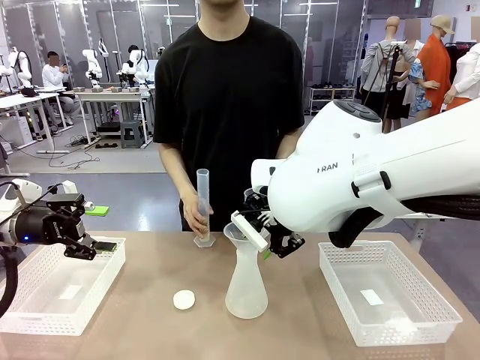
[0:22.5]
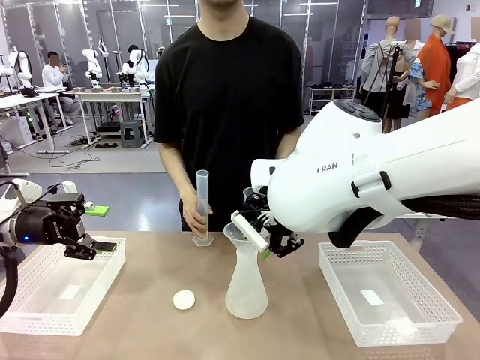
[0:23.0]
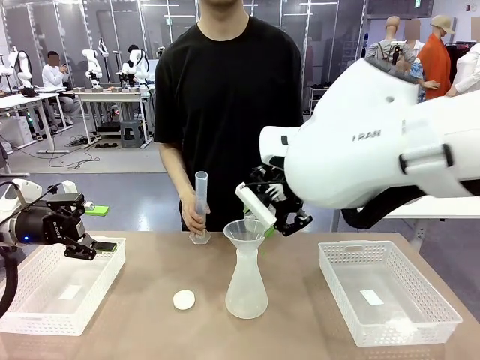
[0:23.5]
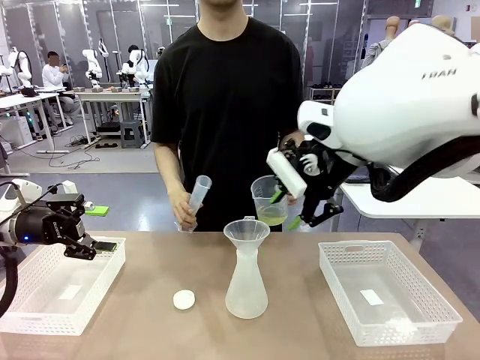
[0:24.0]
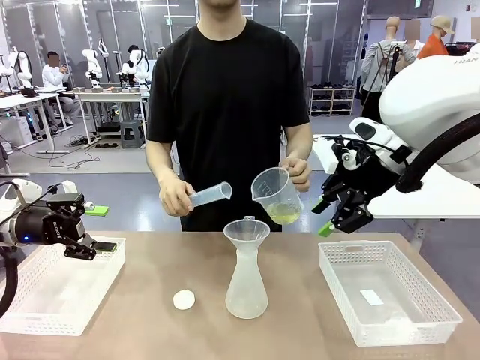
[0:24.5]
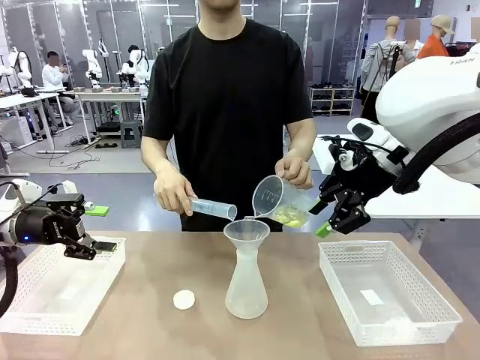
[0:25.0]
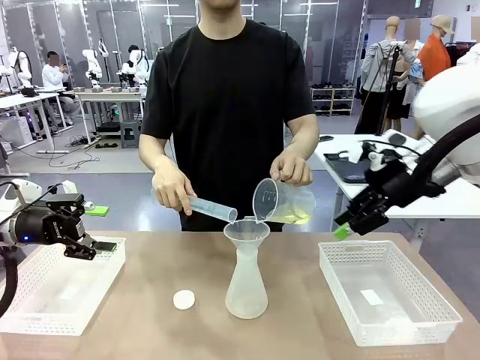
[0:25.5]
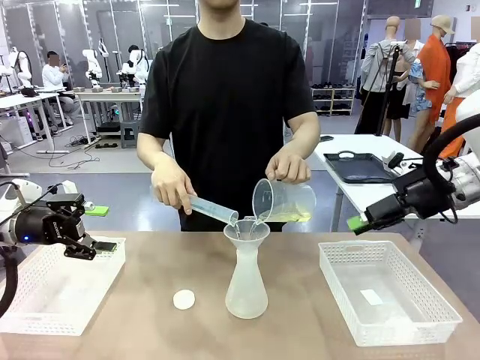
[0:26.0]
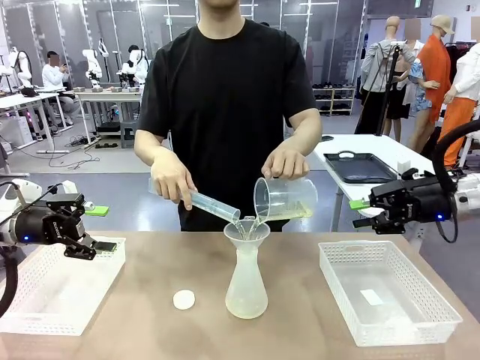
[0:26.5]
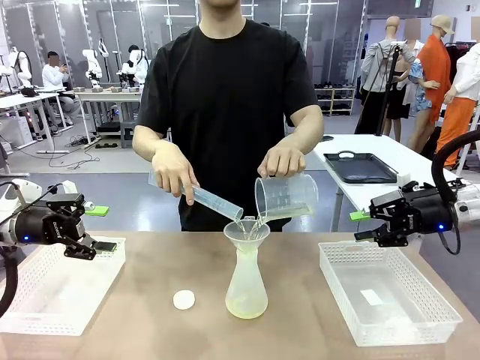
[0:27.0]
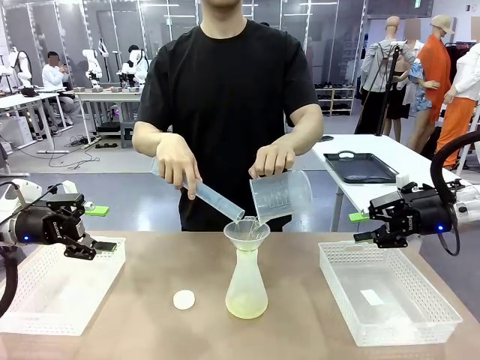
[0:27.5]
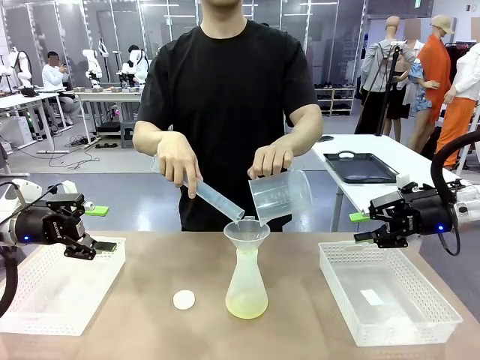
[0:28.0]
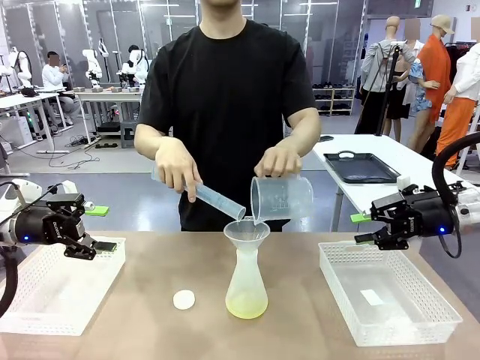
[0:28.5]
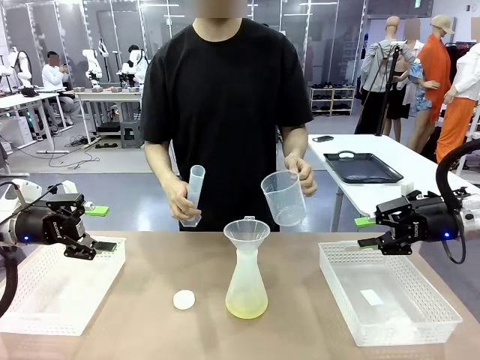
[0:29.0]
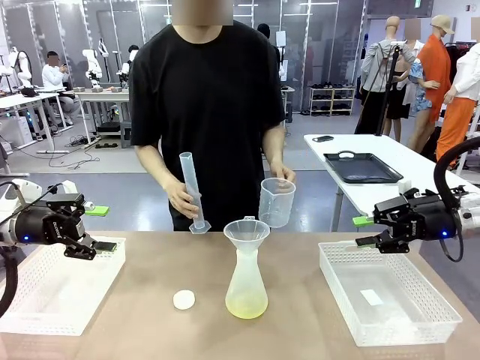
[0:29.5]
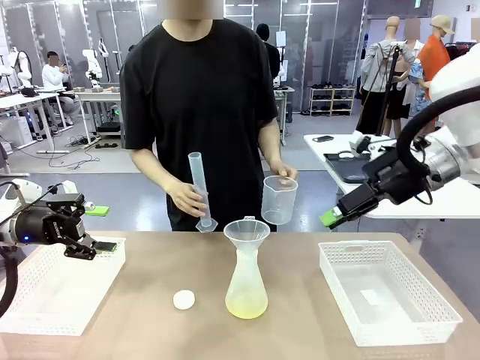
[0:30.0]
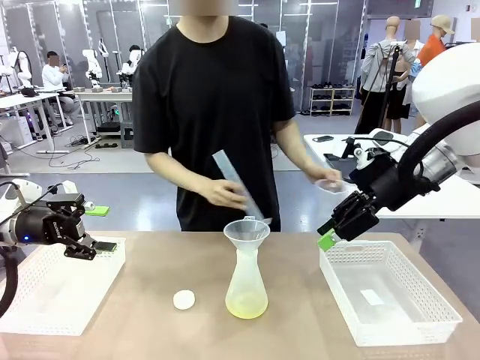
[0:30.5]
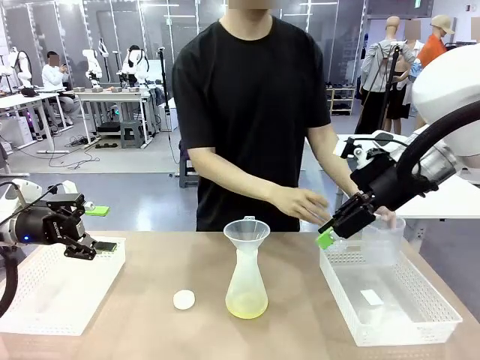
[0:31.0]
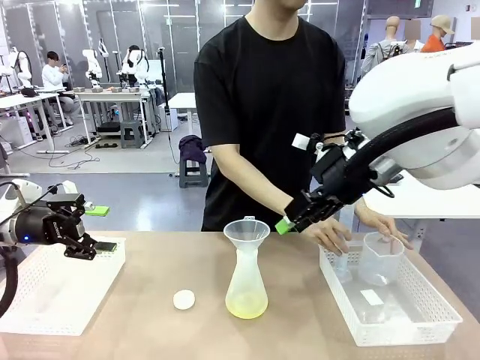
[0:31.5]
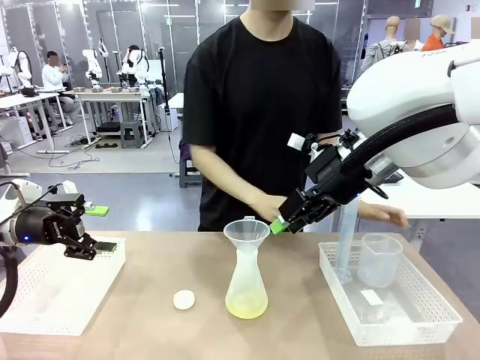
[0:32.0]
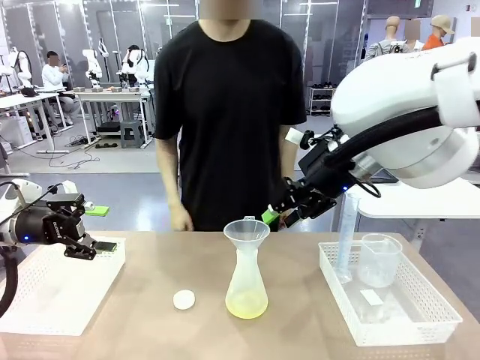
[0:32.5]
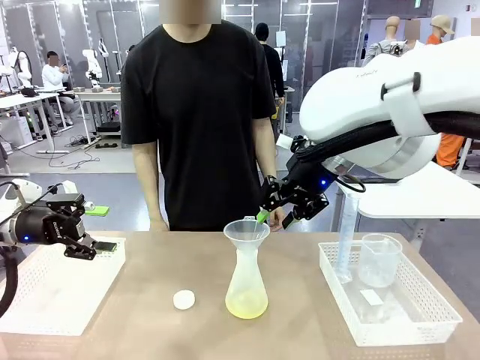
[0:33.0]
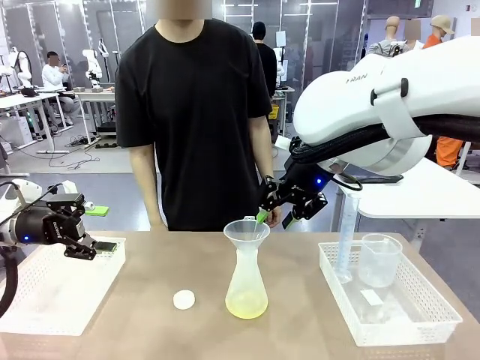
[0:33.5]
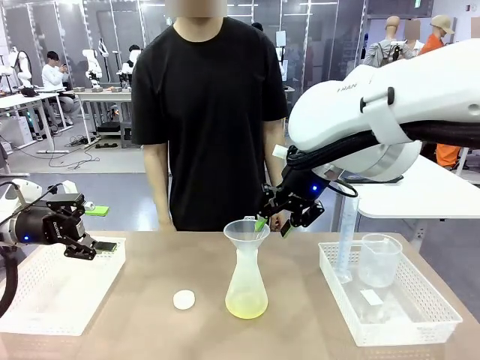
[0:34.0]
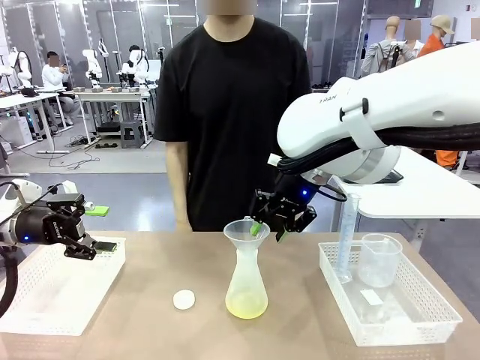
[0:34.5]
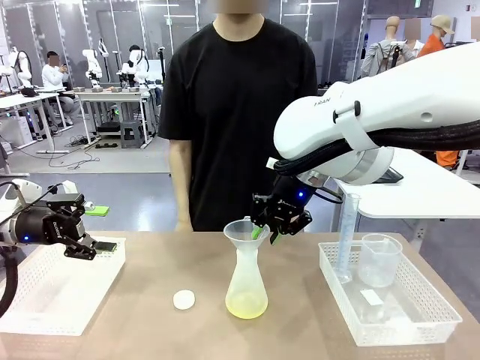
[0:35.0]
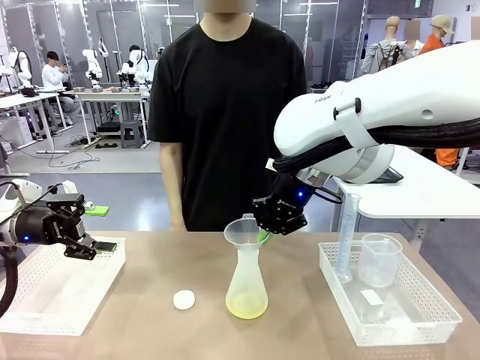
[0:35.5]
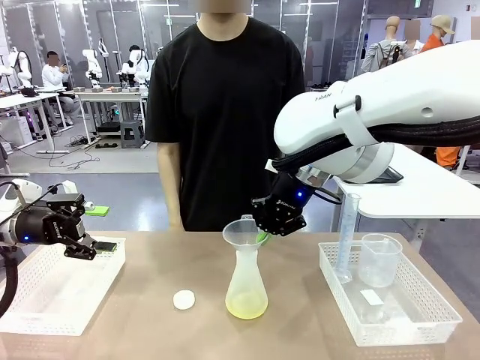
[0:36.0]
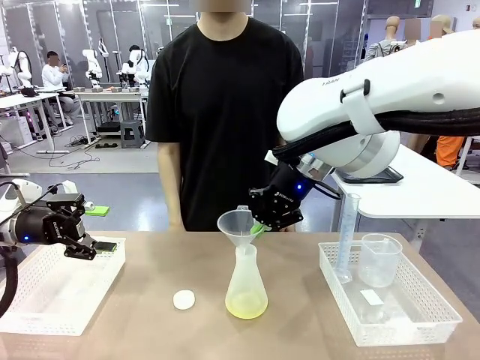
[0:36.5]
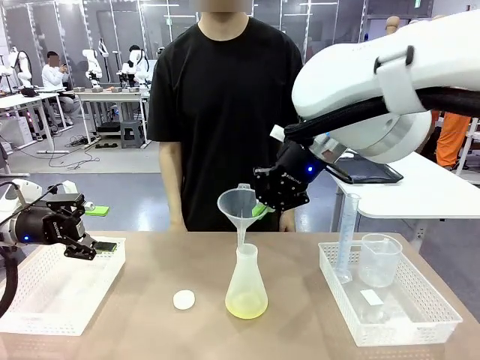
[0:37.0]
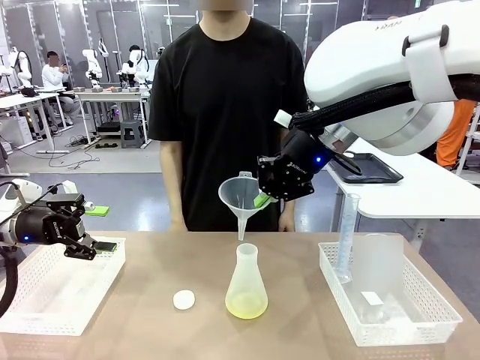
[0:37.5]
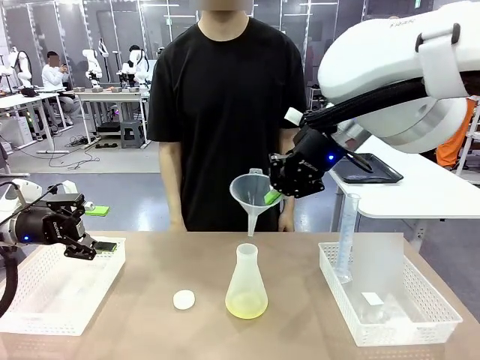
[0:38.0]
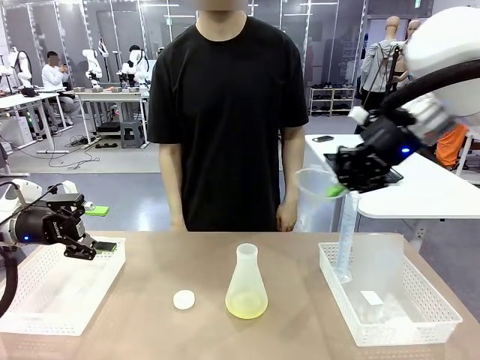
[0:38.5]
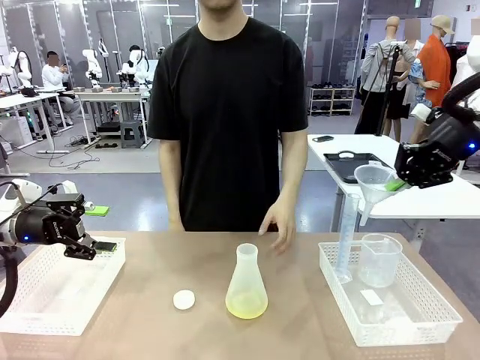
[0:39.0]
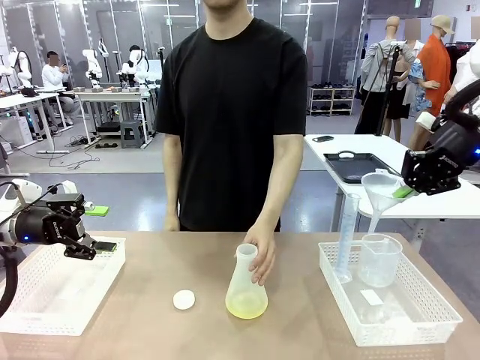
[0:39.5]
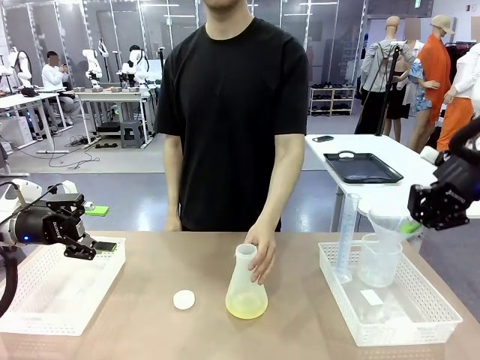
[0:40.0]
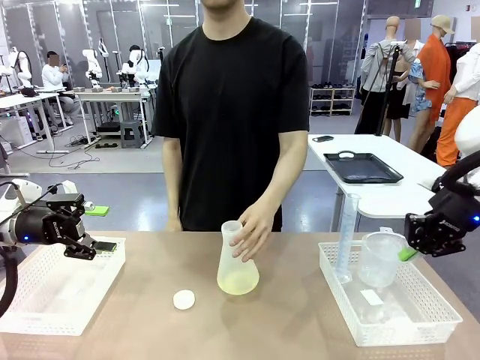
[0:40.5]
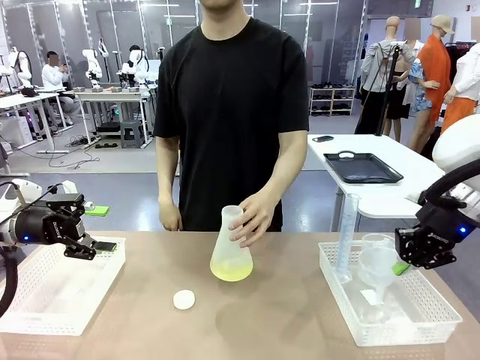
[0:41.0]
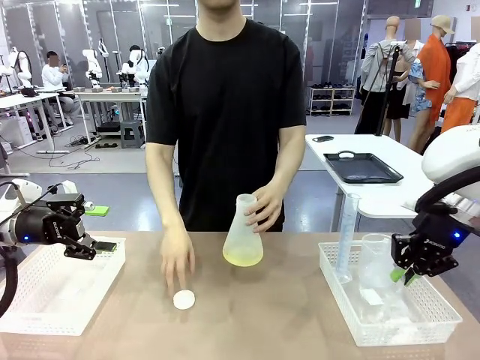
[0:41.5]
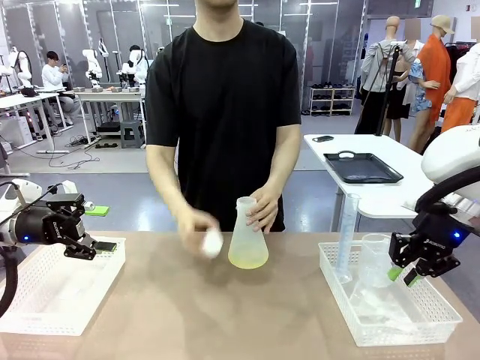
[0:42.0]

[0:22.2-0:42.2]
Task: Prepare the solutions needed for the experiment.
Robot: Once the solution is in the Big flask , pick up the Plastic Funnel and place it back into the right Organizing basket.
Person: Place the beaker and the cylinder into the organizing basket on the left side. Pick up the flask, gently shake it 2–3 times, place it in the middle of the robot table, and close the lid.
